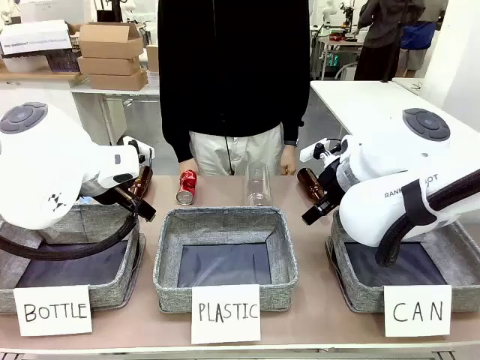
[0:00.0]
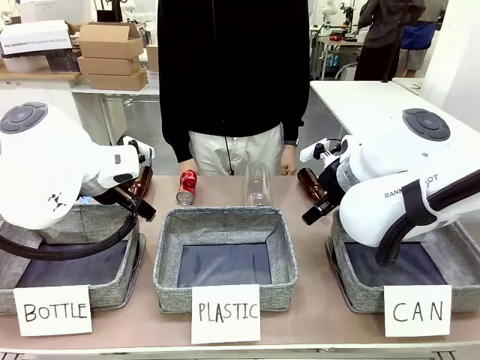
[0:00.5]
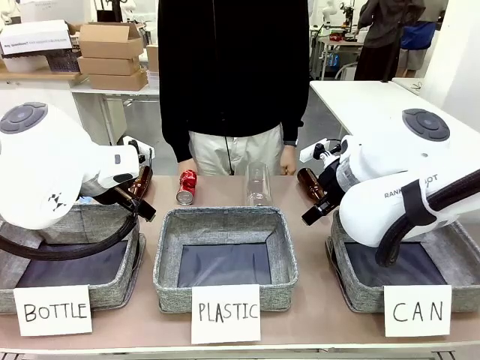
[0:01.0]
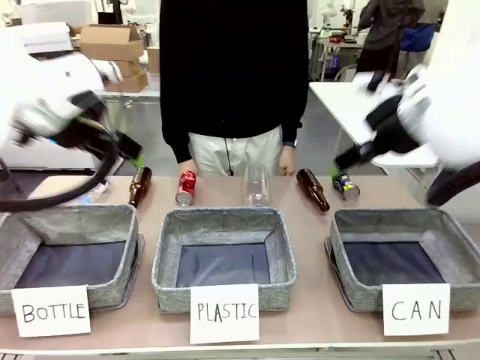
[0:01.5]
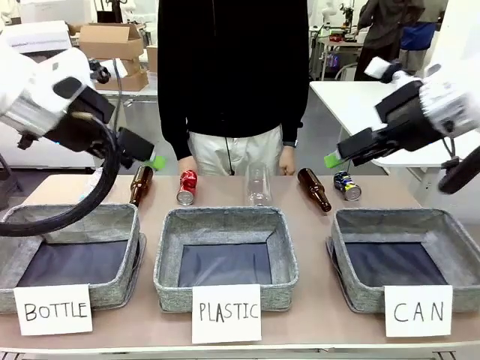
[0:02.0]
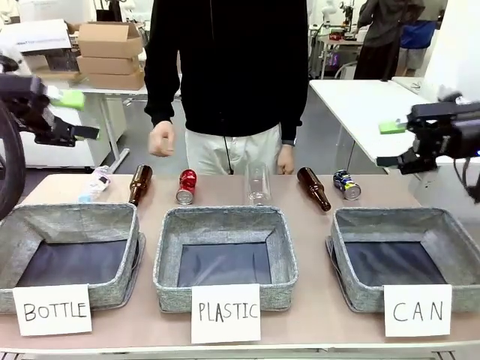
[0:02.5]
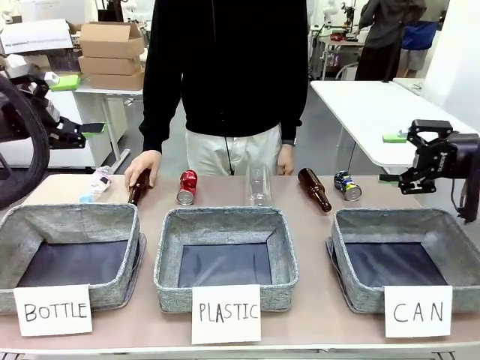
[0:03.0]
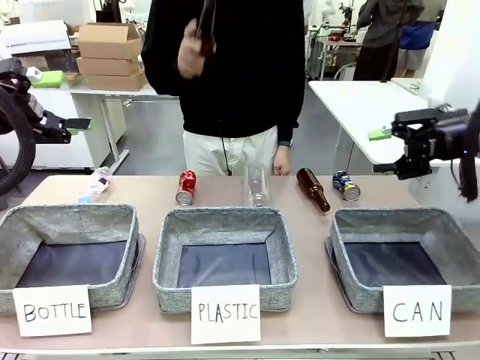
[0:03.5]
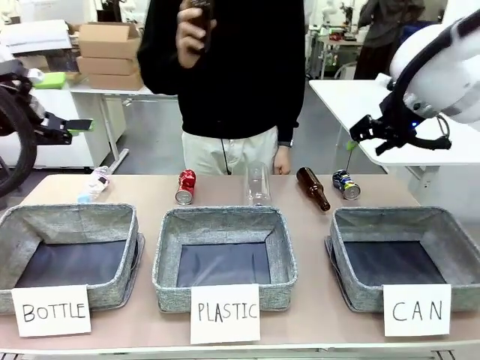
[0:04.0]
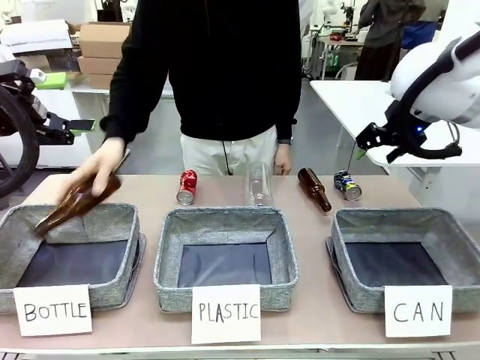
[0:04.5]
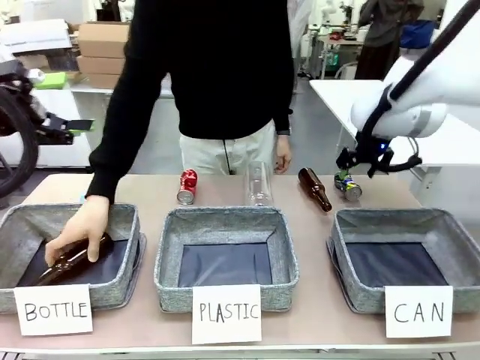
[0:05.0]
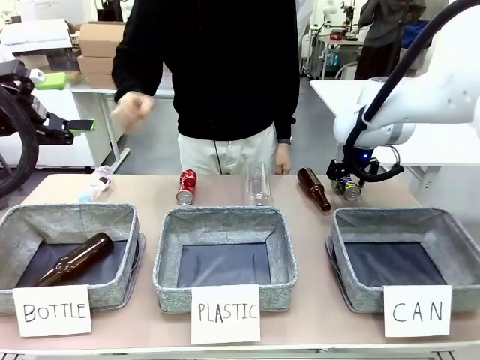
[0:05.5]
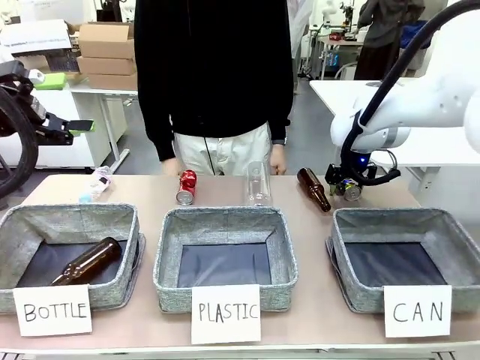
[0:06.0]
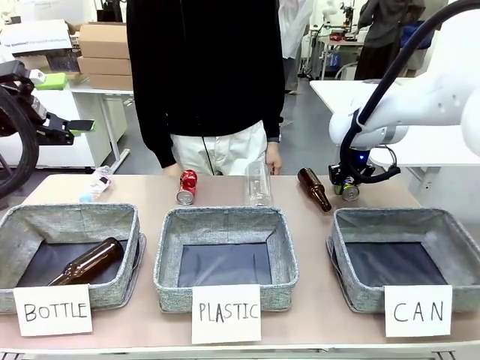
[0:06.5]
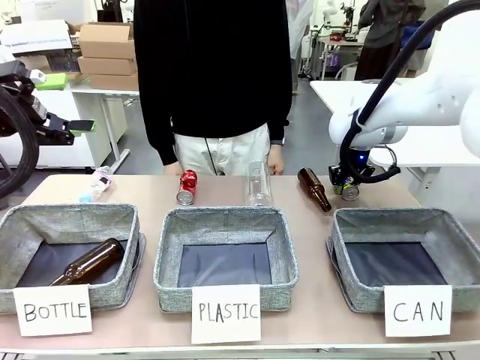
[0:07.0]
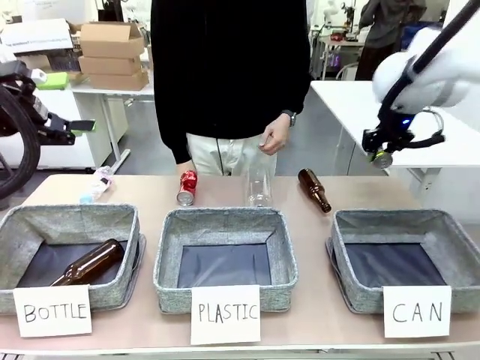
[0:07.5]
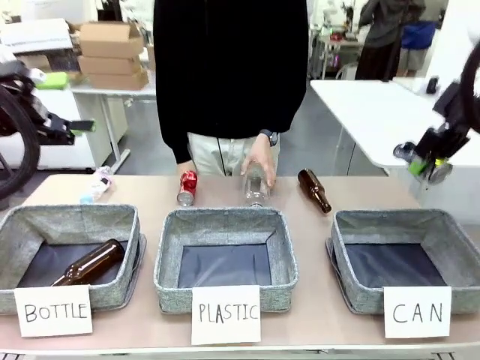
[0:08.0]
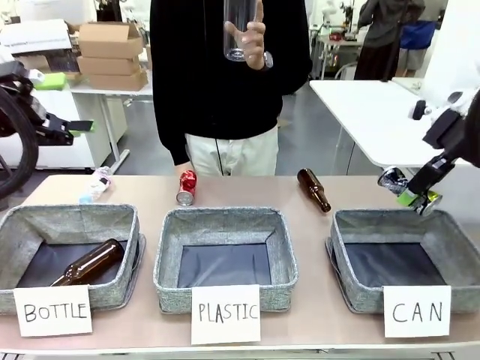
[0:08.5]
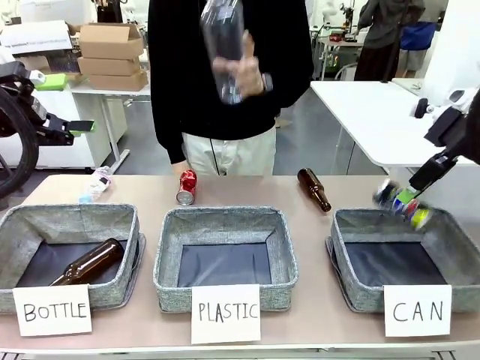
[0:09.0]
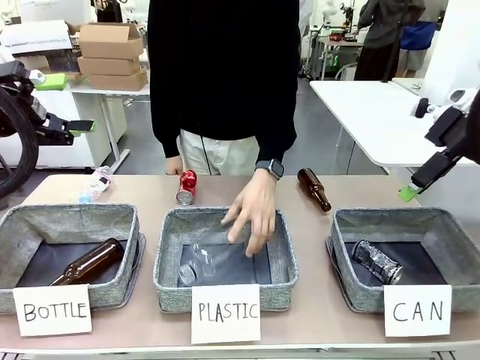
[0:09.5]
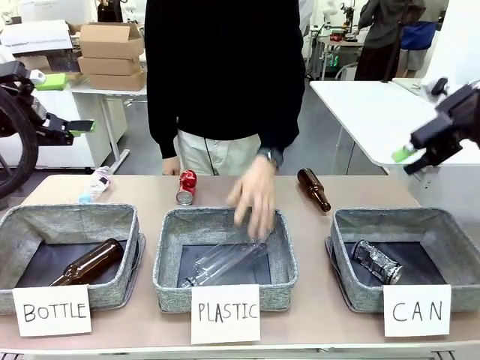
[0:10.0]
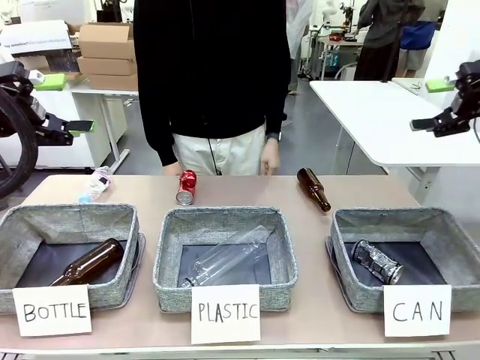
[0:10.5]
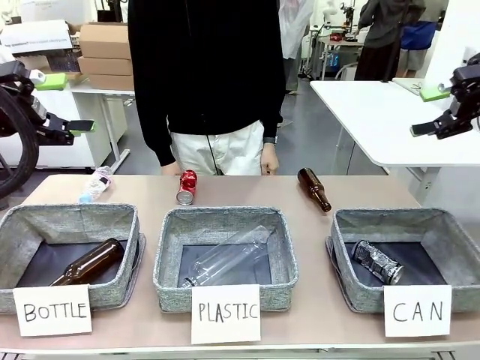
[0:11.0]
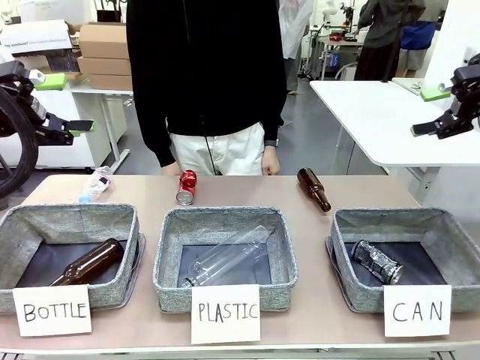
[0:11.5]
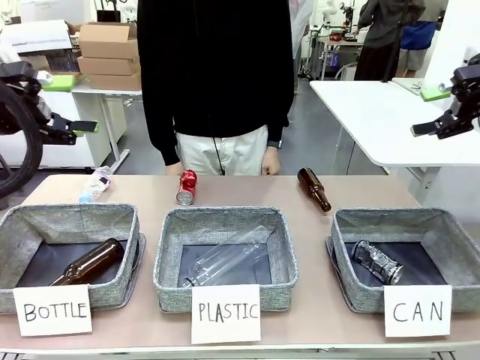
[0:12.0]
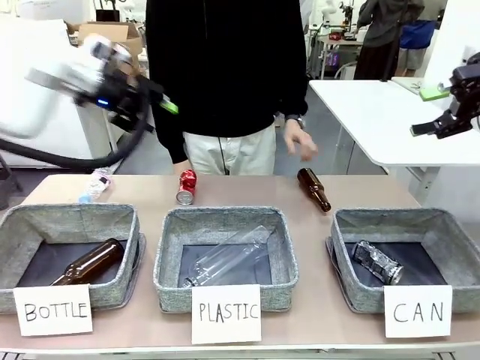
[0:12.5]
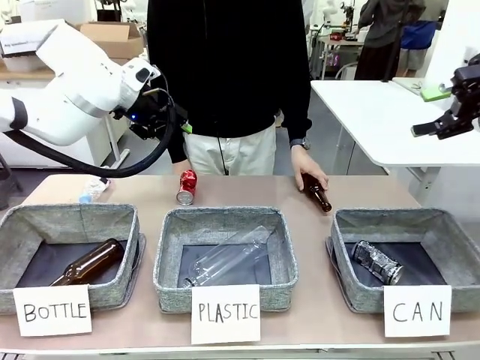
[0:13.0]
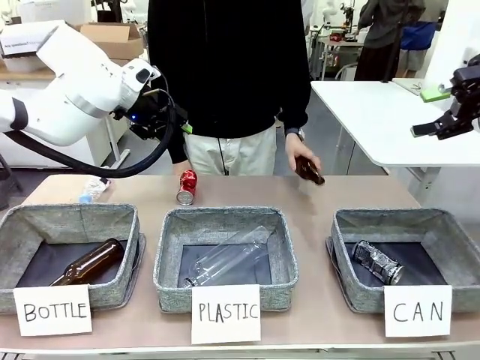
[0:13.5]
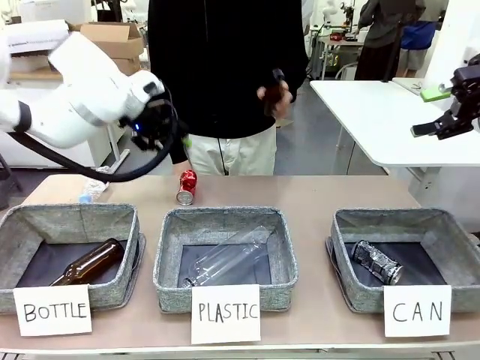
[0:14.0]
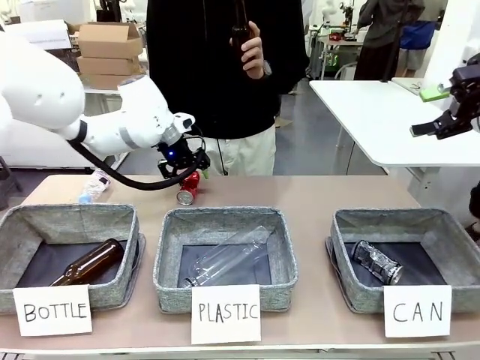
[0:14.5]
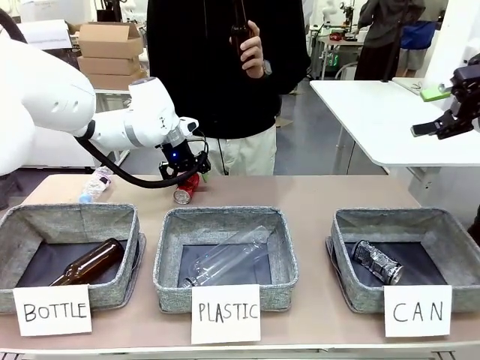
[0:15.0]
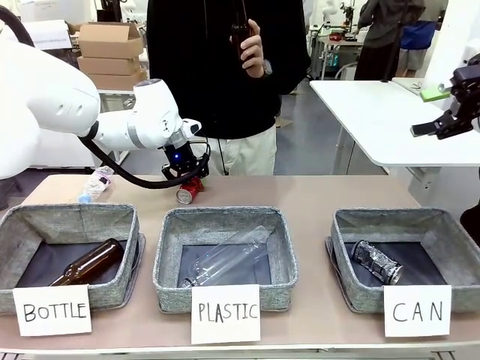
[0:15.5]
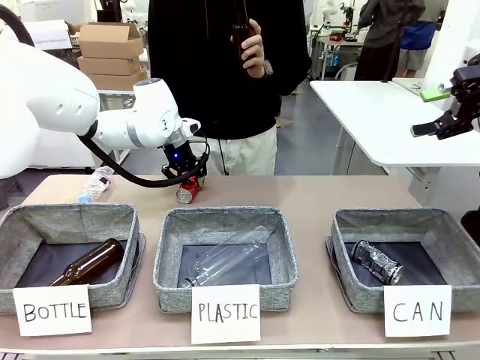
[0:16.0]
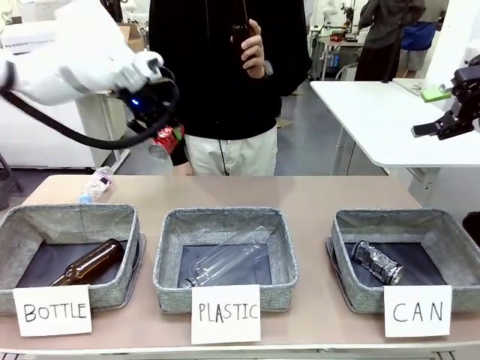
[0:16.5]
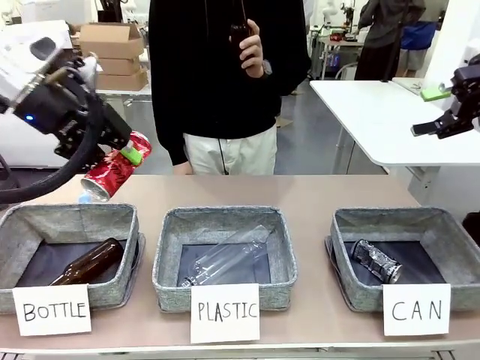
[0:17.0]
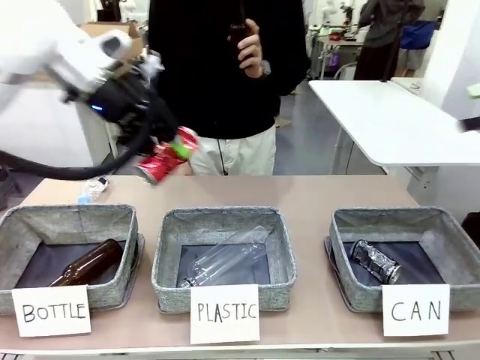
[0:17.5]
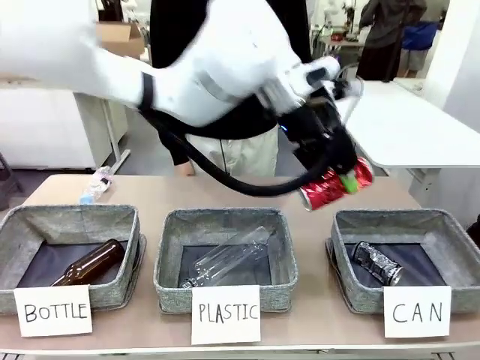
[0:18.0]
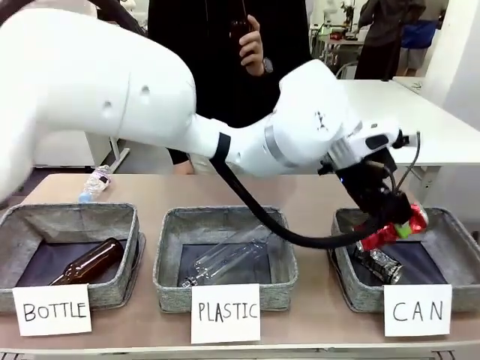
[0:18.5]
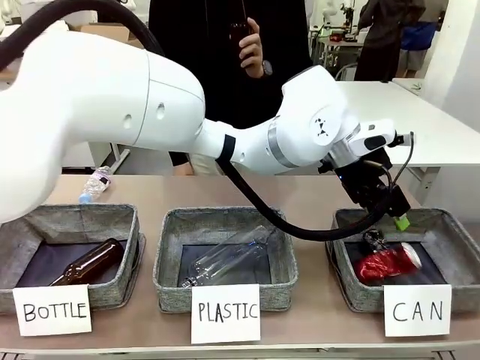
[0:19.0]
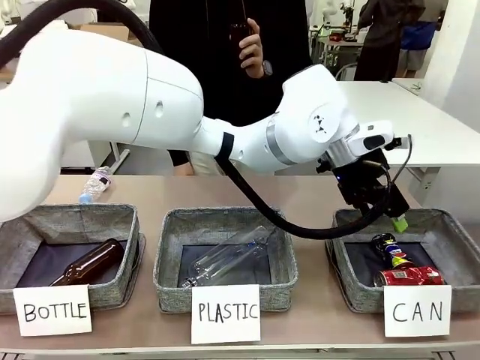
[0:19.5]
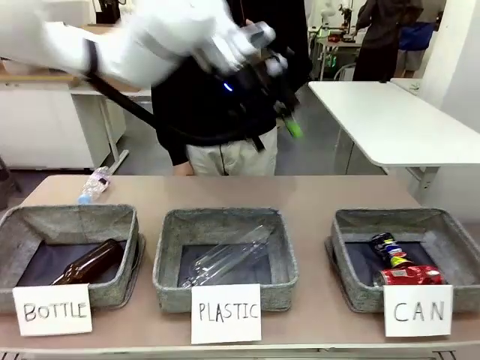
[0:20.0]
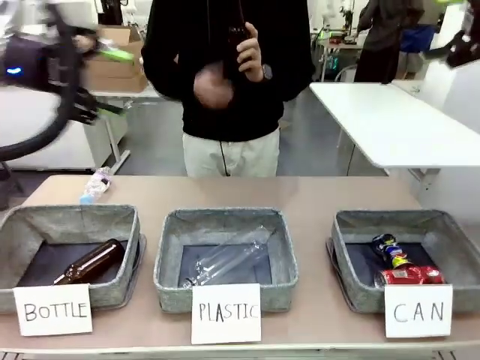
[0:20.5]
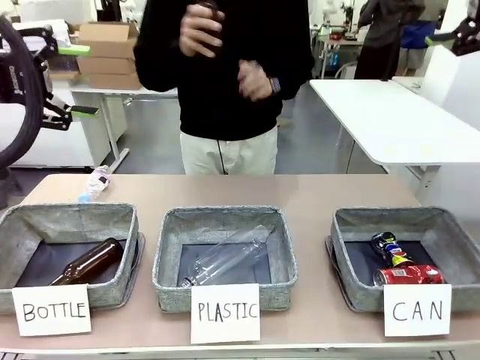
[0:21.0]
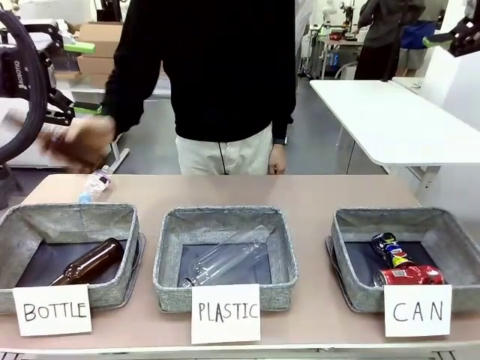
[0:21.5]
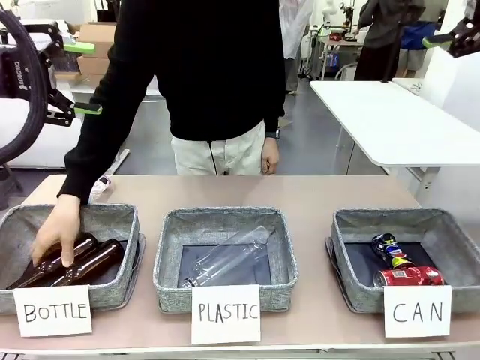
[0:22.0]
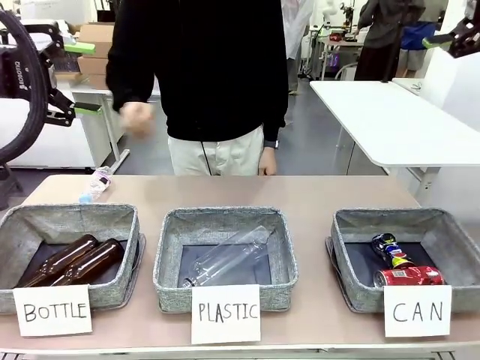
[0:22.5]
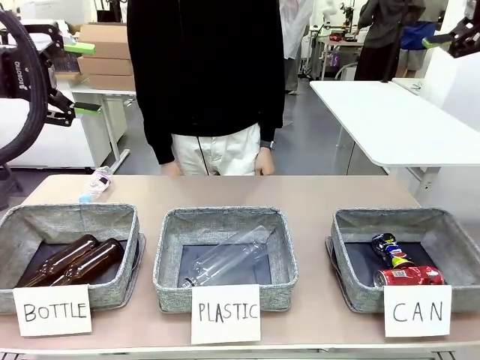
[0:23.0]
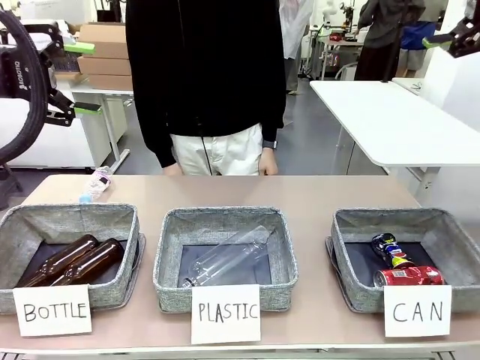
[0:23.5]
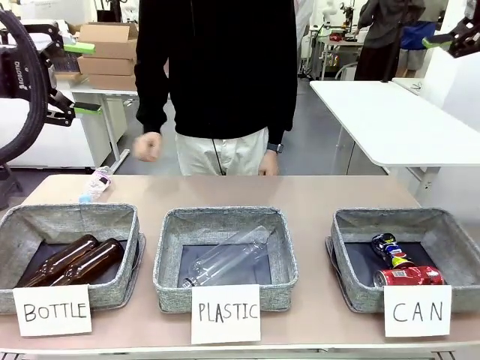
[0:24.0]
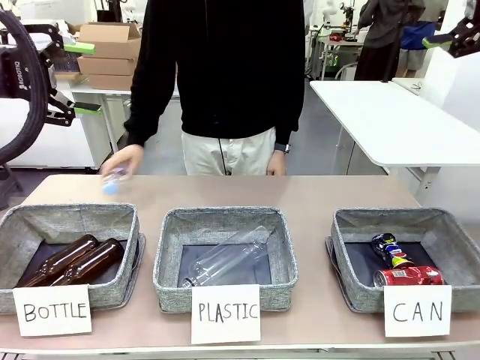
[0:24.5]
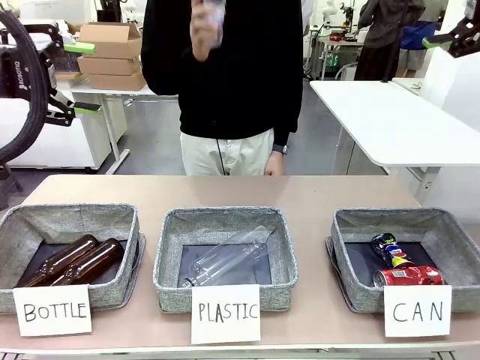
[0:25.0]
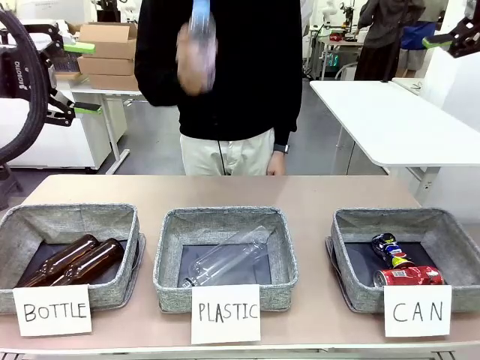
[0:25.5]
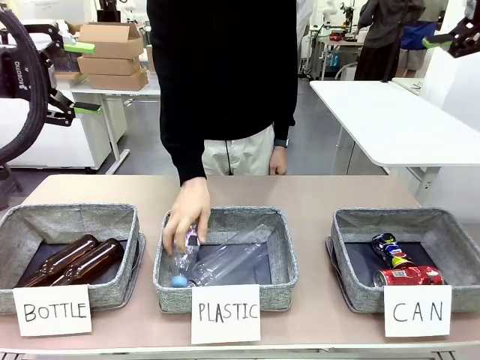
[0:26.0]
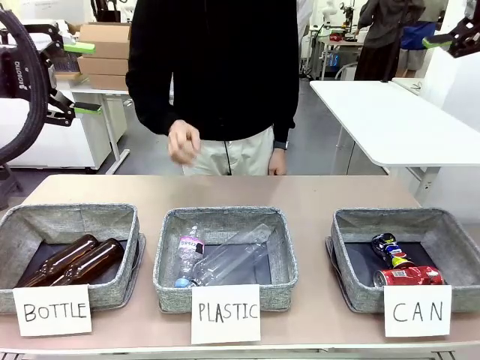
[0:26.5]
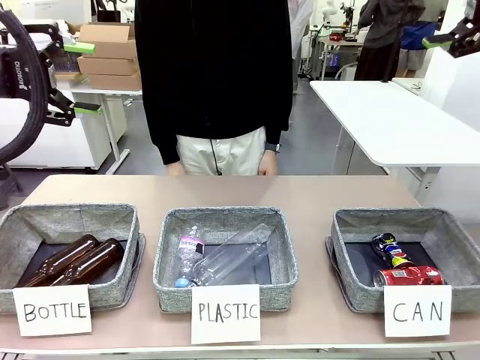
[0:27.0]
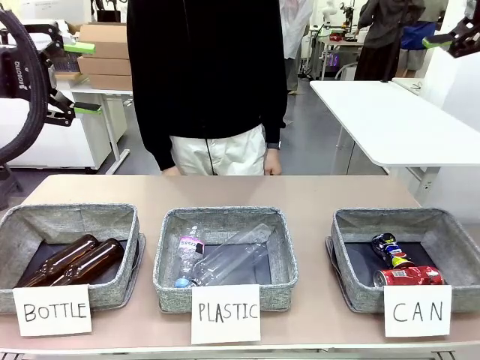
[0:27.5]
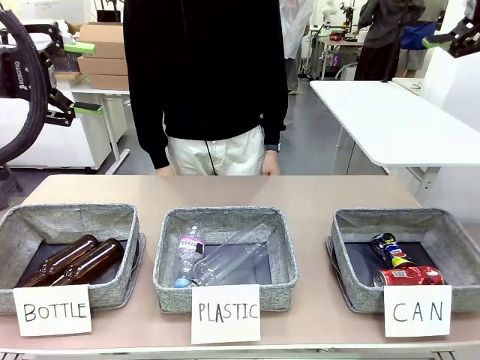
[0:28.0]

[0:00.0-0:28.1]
Task: Sort the can waste into the basket.
Robot: Pick up the can waste from the table and place it in the right Fabric basket.
Person: The human picks up one piece of trash that is not a can and places the trash into the appropriate organizing basket.
